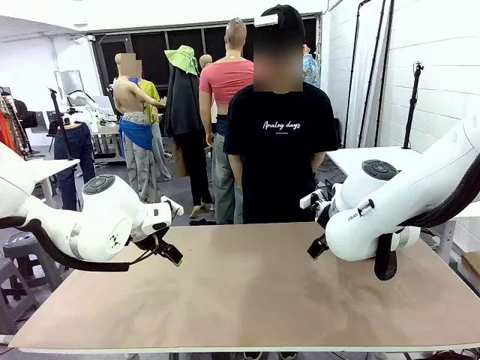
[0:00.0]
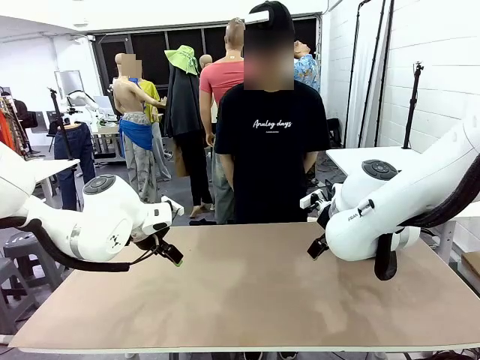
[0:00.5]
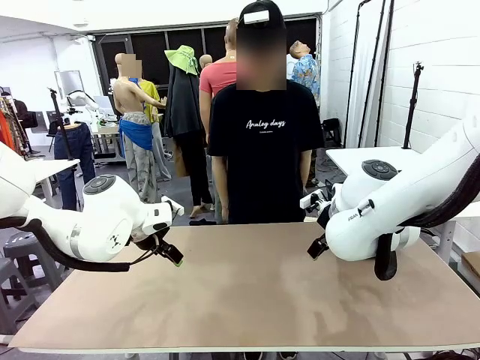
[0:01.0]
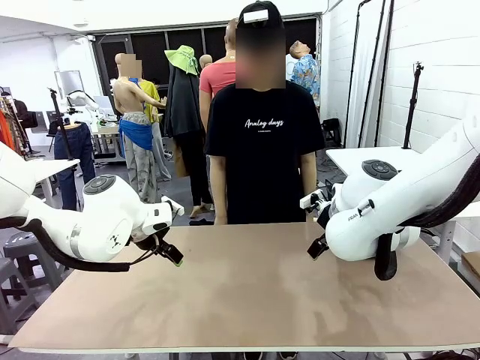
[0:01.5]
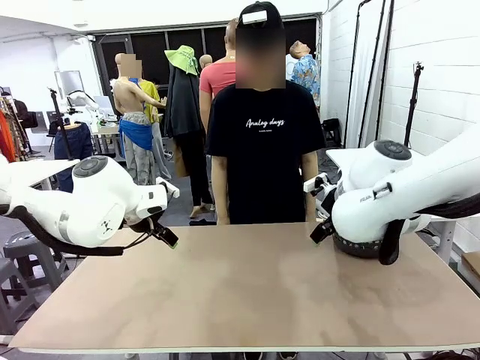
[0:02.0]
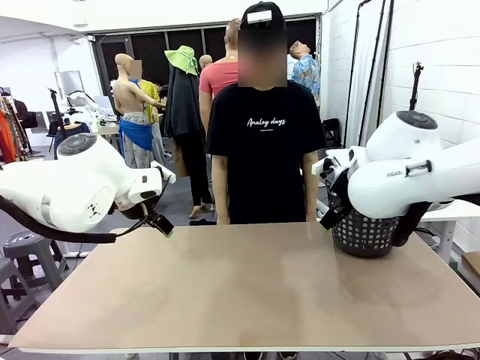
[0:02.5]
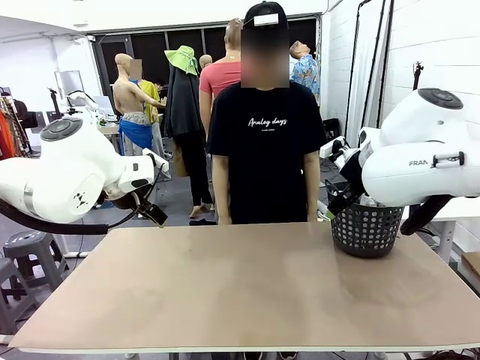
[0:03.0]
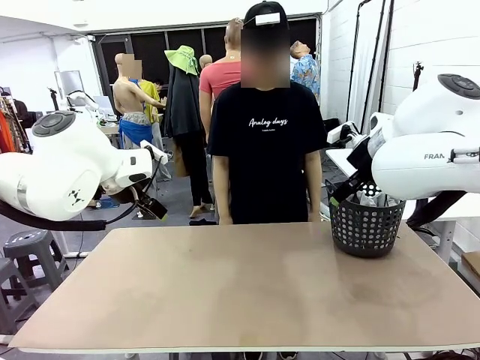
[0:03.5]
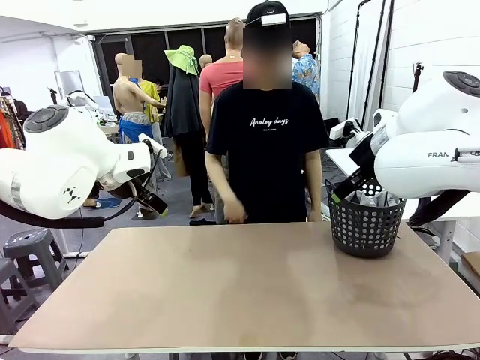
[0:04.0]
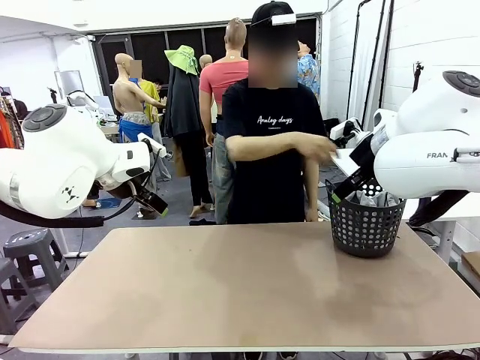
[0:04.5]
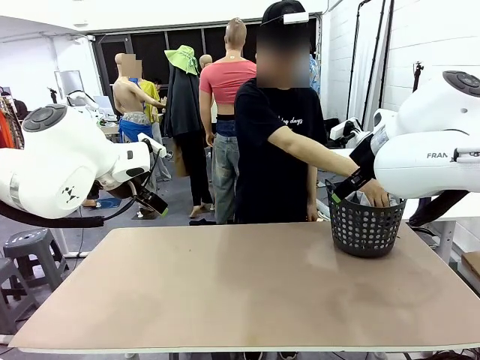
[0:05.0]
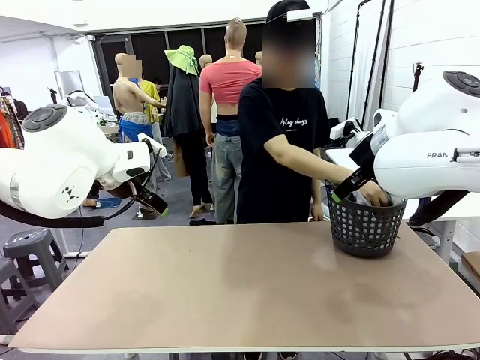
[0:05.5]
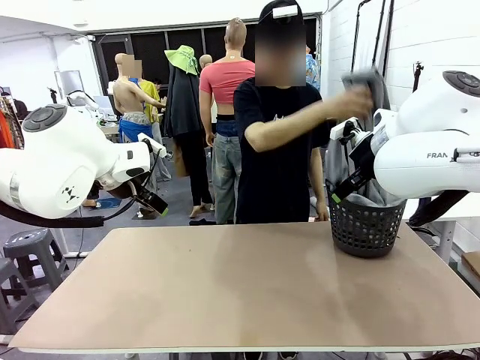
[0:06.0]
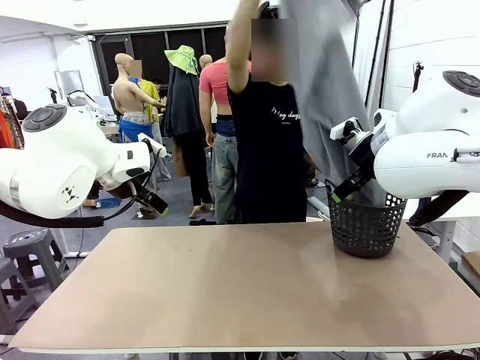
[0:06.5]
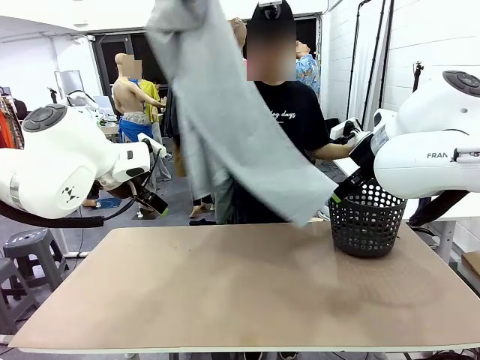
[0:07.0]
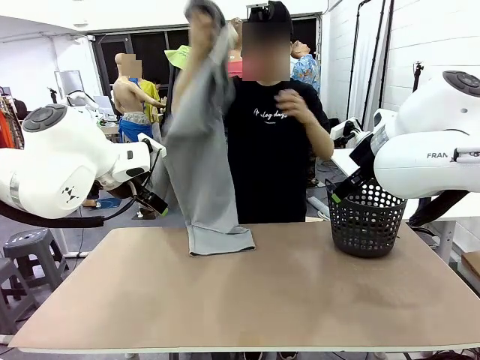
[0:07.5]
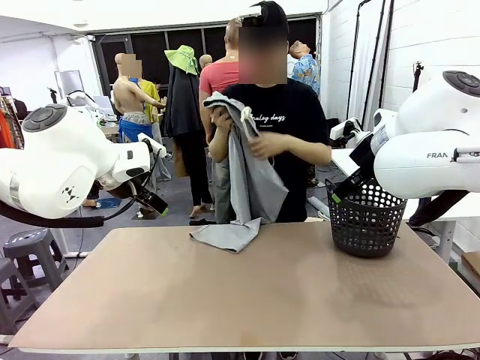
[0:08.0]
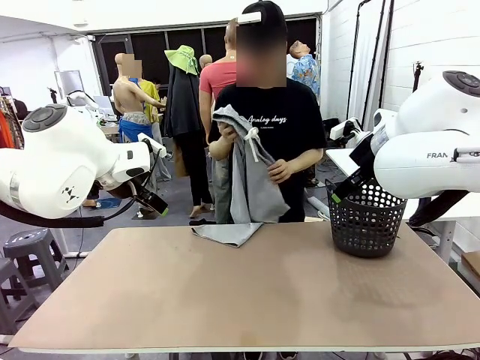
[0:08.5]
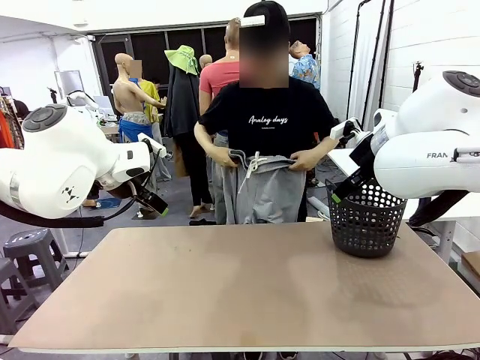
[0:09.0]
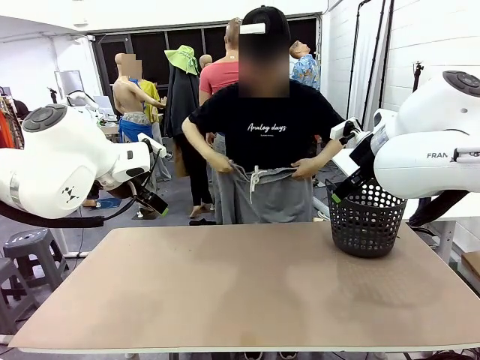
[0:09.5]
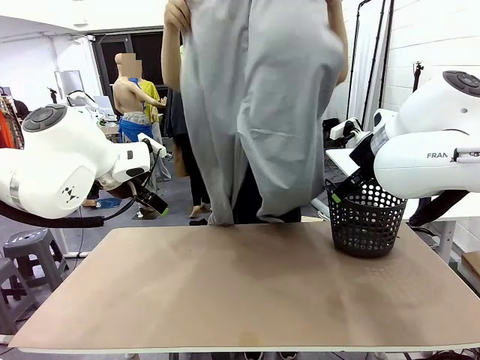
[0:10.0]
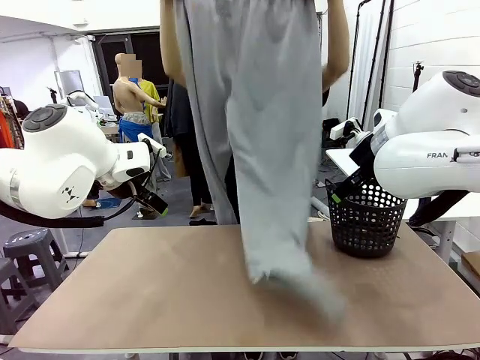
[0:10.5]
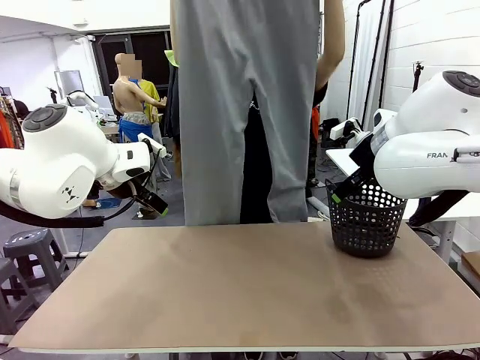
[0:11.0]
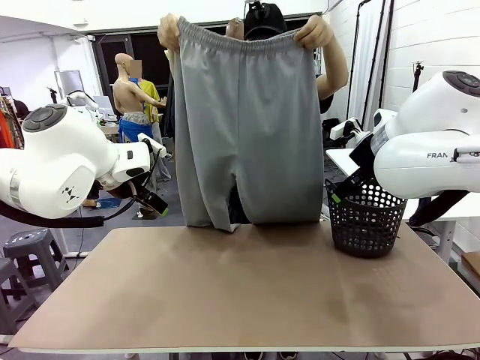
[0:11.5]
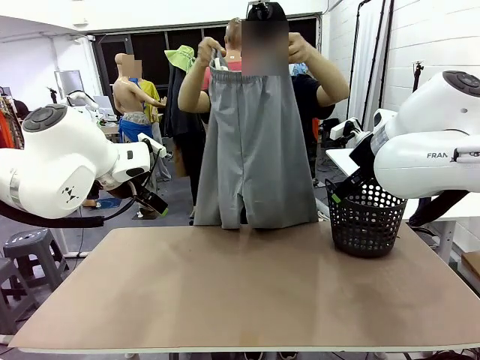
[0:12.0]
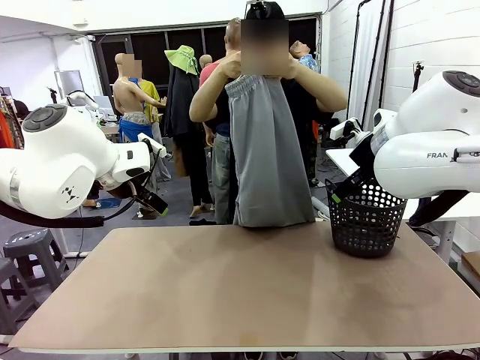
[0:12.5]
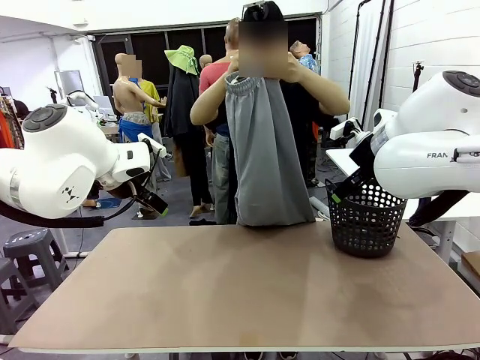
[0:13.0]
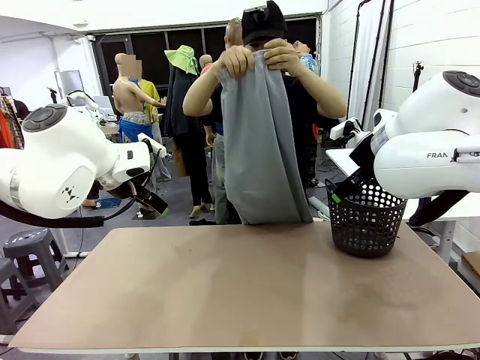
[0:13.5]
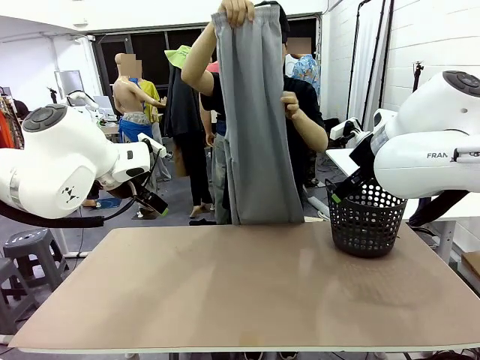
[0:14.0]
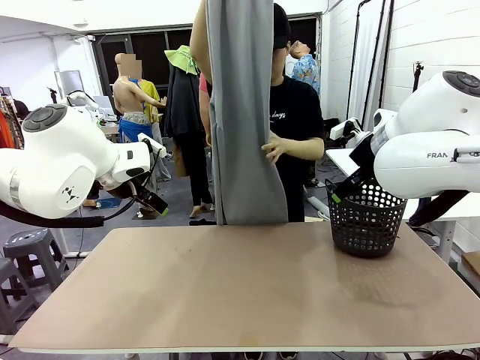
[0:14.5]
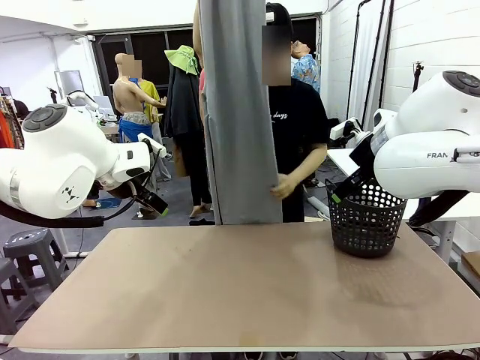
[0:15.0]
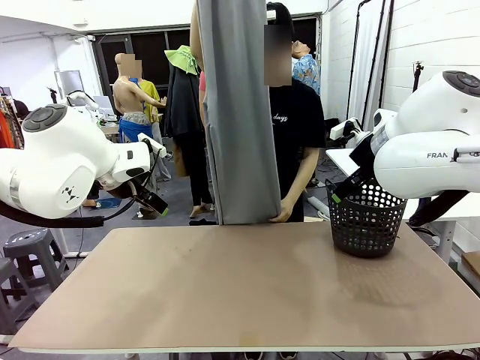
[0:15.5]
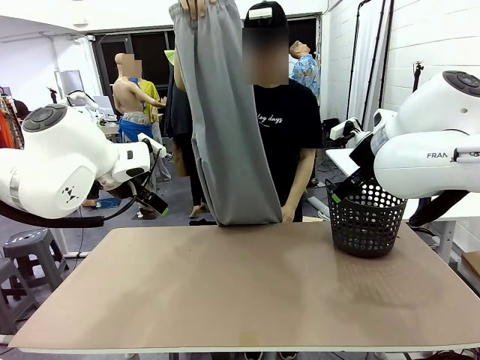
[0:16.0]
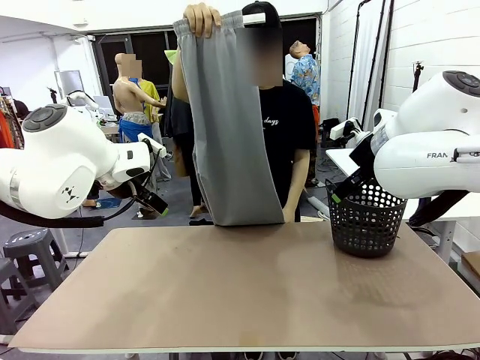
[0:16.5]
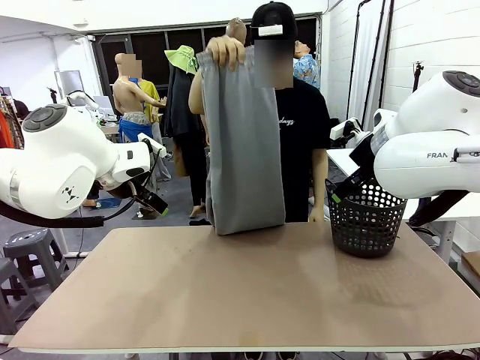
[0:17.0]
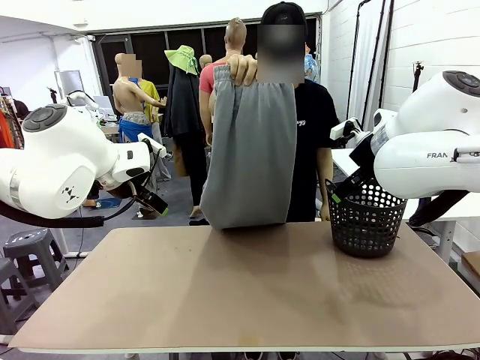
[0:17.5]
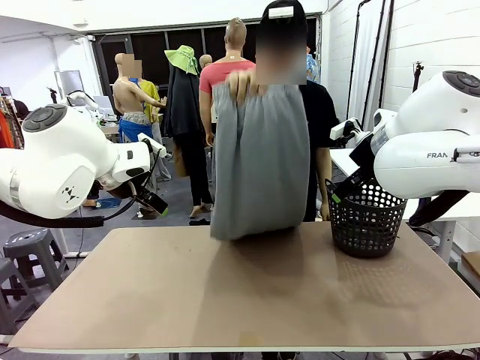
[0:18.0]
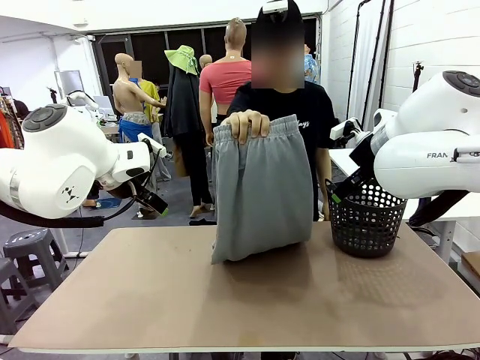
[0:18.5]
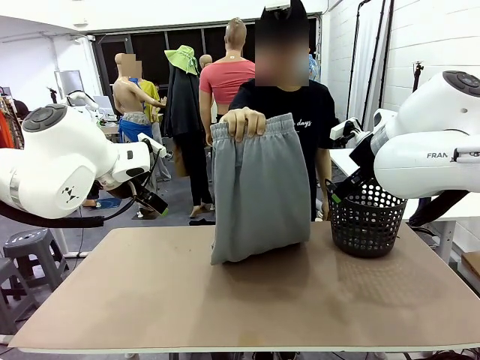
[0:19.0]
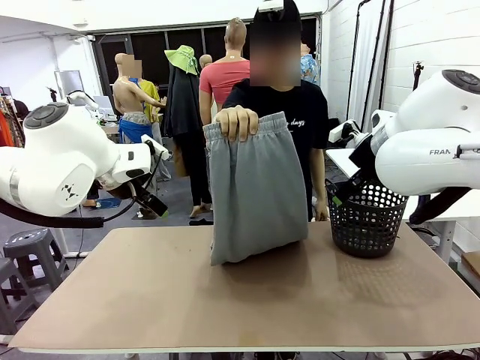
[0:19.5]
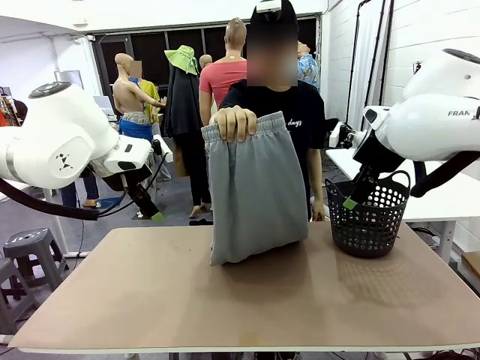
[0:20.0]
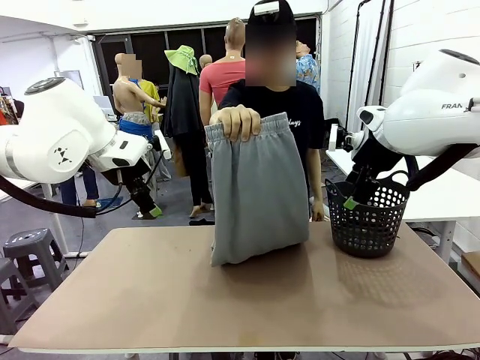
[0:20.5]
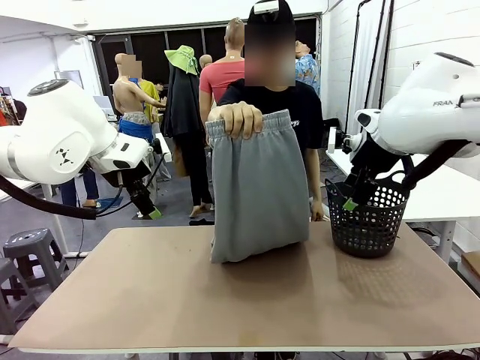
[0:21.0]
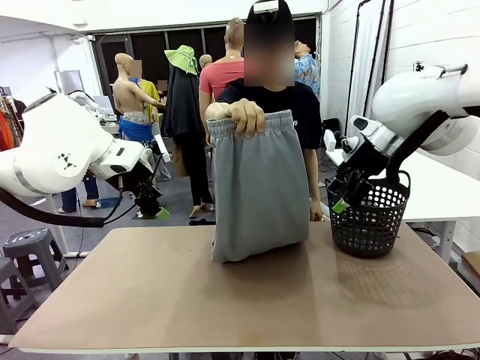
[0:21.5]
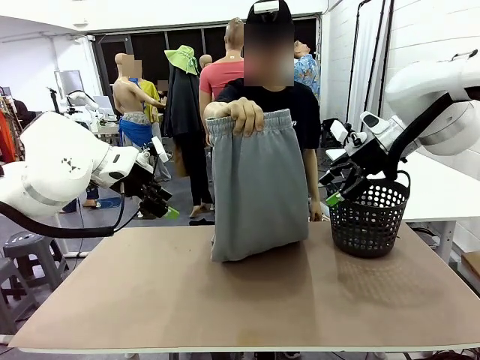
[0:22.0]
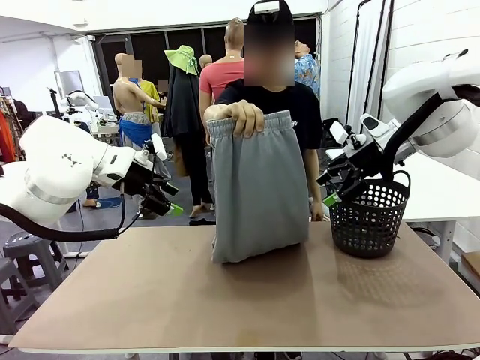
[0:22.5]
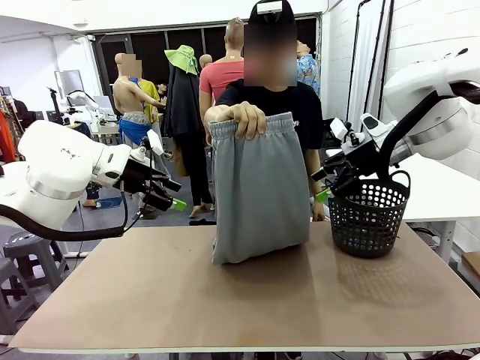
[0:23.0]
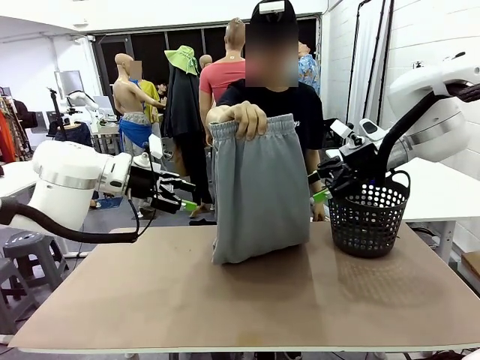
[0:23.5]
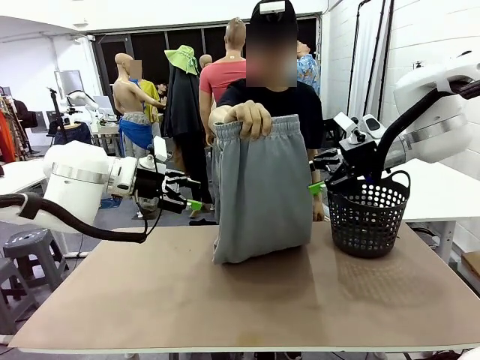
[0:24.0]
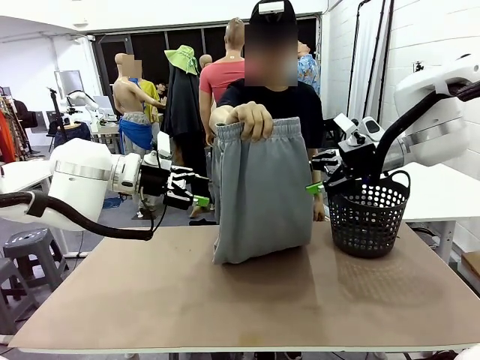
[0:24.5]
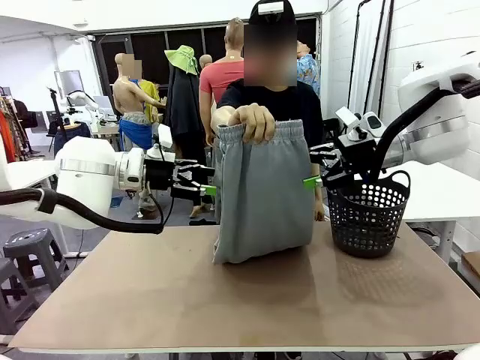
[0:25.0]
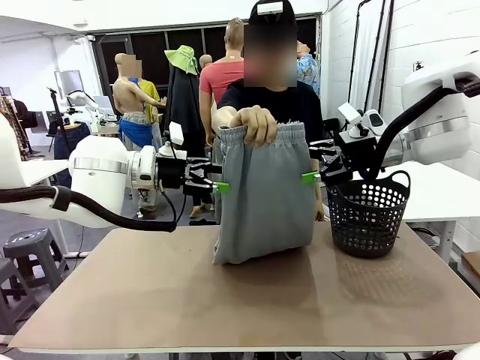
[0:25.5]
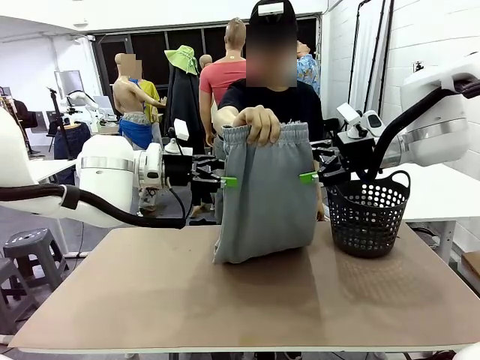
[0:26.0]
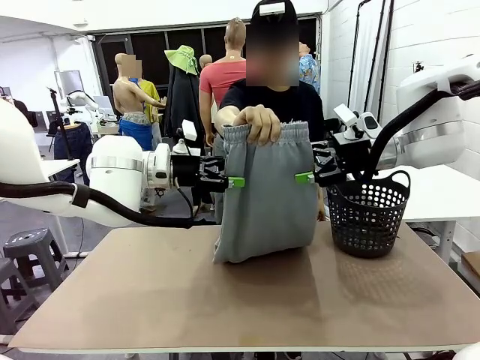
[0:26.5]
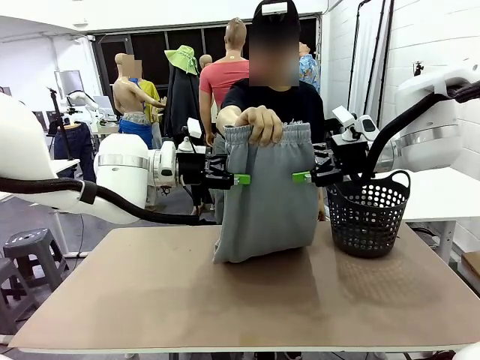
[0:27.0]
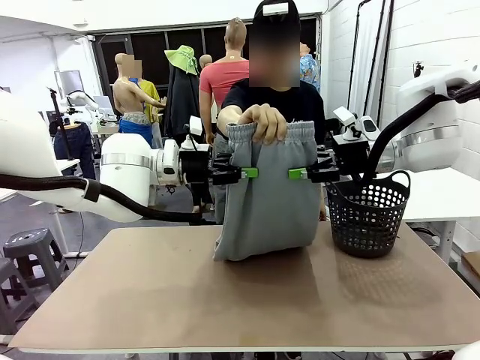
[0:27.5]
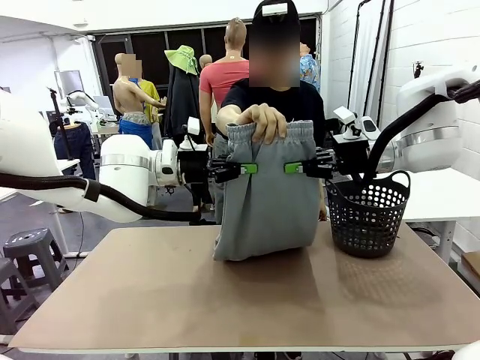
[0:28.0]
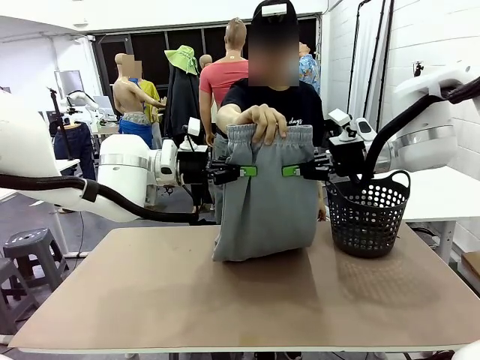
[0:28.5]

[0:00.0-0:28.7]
Task: Fold the training pants.
Robot: Grab both ends of the Training pants handed by a person.
Person: Take the long pants out of the laundry basket, unfold them, fold the waist in half, and extend them so the robot can pick up both corners.
